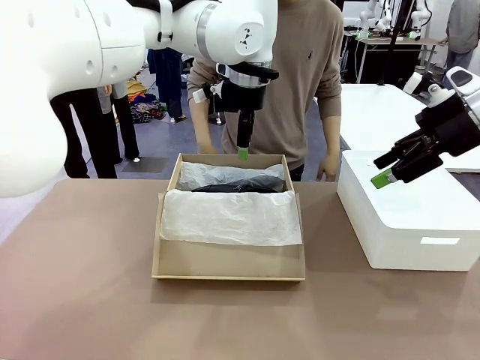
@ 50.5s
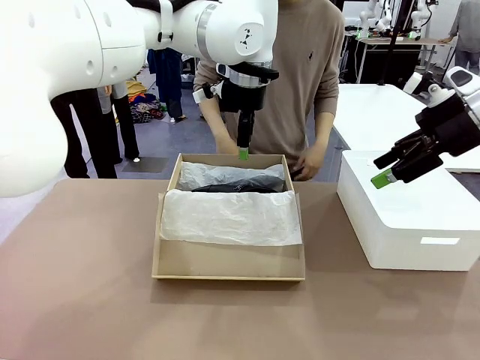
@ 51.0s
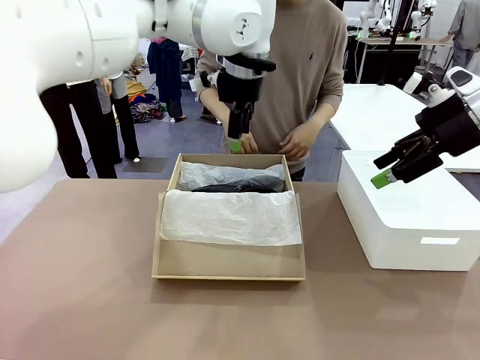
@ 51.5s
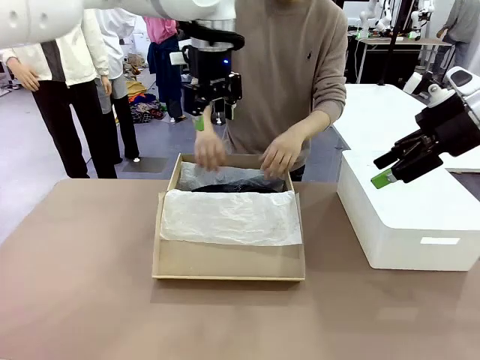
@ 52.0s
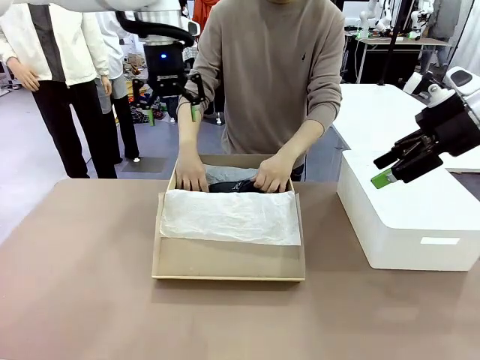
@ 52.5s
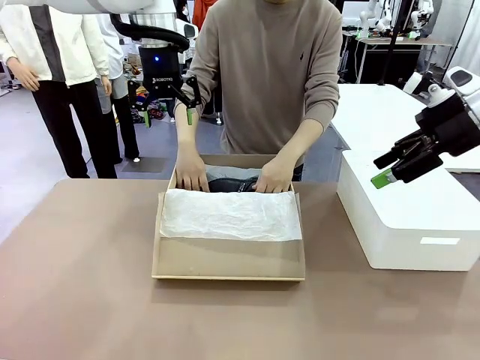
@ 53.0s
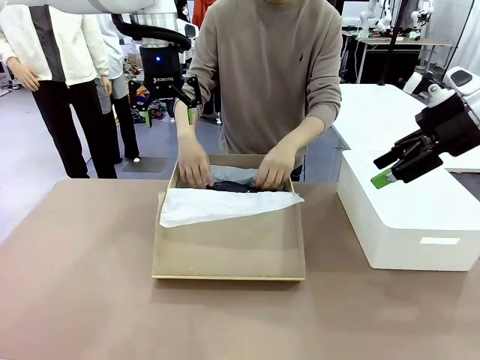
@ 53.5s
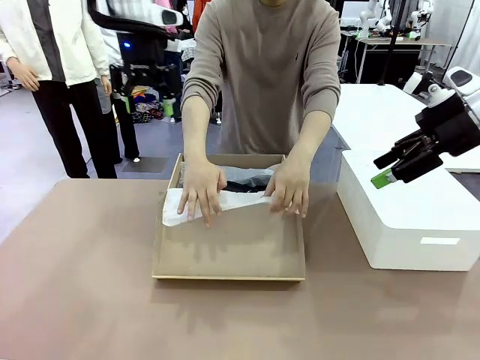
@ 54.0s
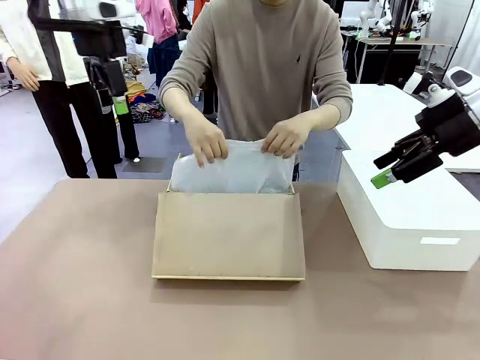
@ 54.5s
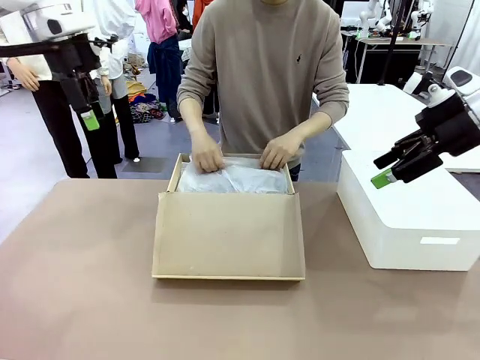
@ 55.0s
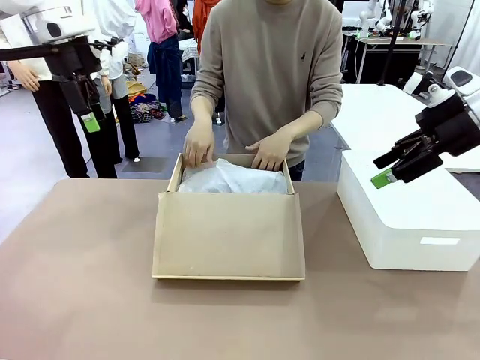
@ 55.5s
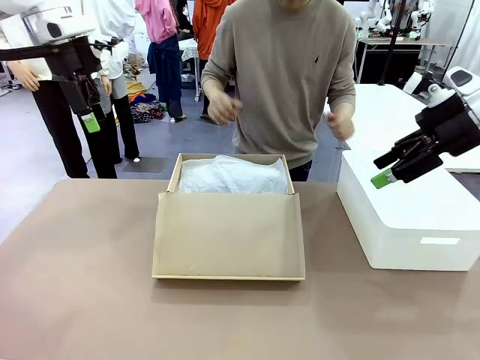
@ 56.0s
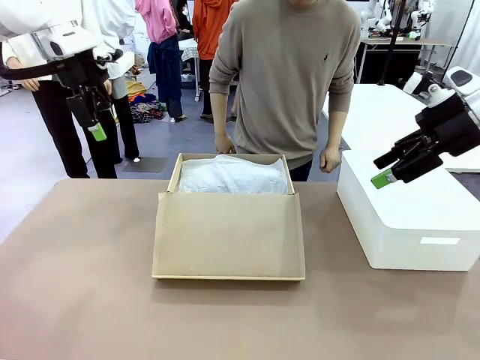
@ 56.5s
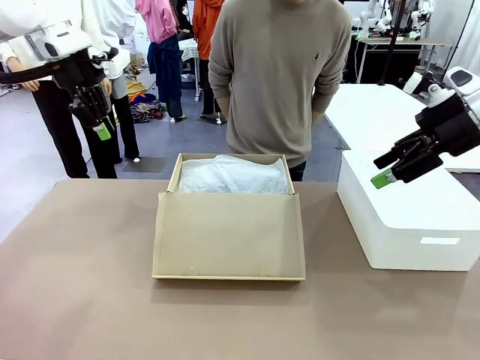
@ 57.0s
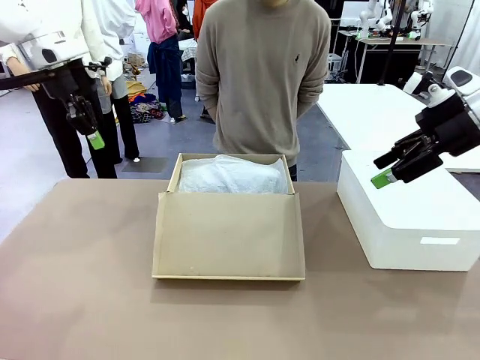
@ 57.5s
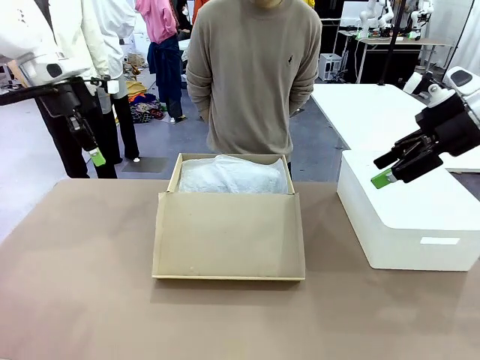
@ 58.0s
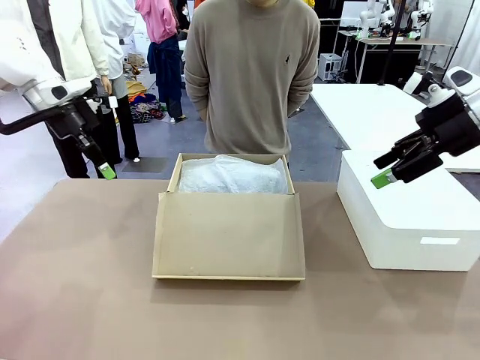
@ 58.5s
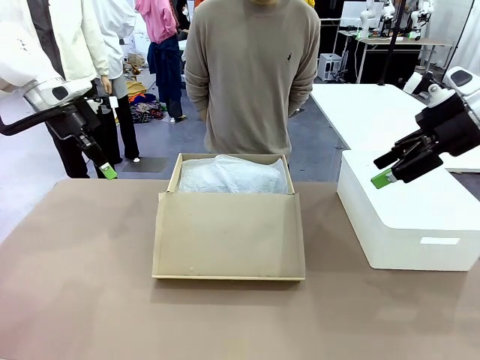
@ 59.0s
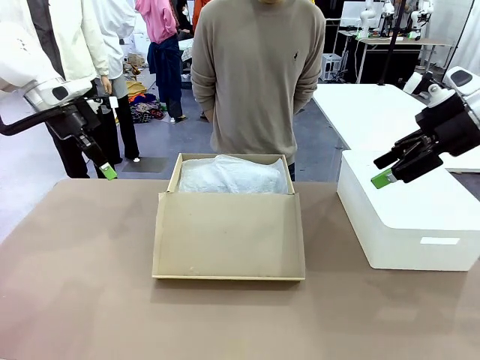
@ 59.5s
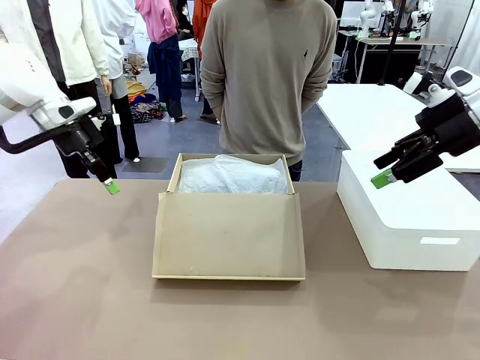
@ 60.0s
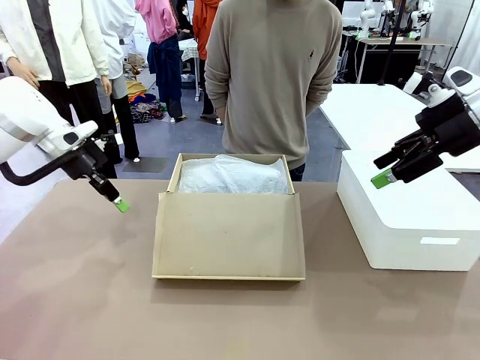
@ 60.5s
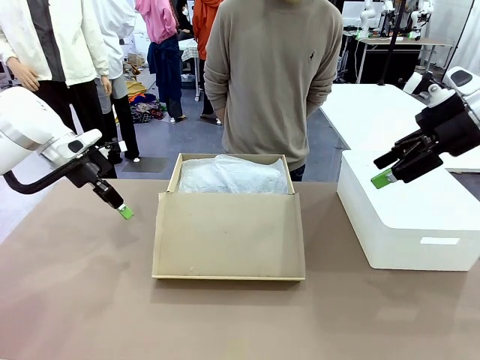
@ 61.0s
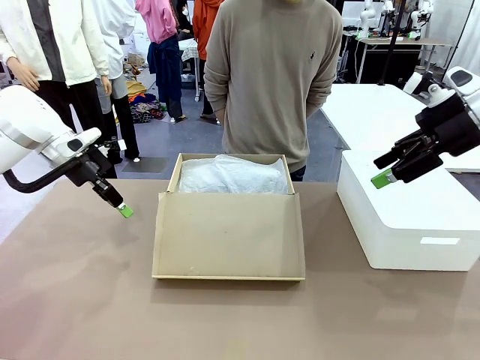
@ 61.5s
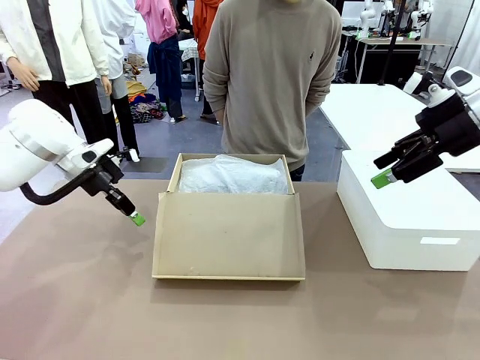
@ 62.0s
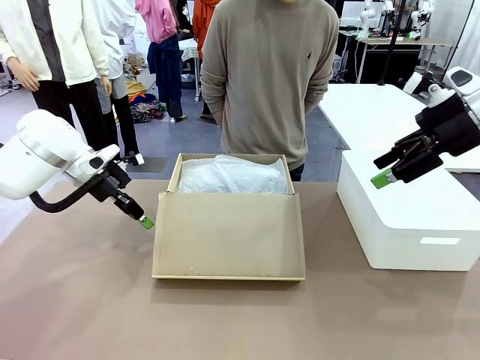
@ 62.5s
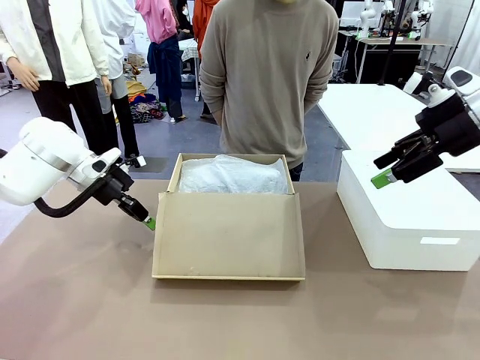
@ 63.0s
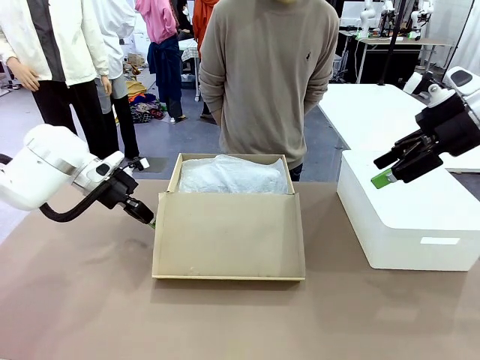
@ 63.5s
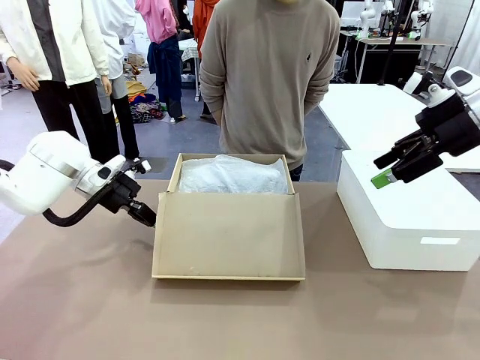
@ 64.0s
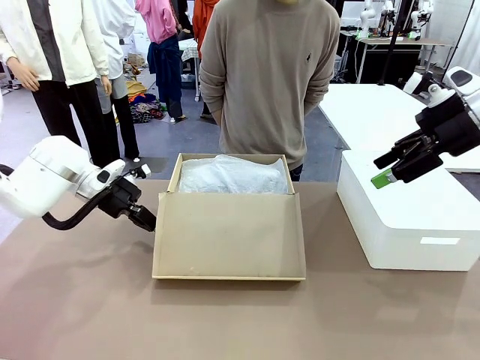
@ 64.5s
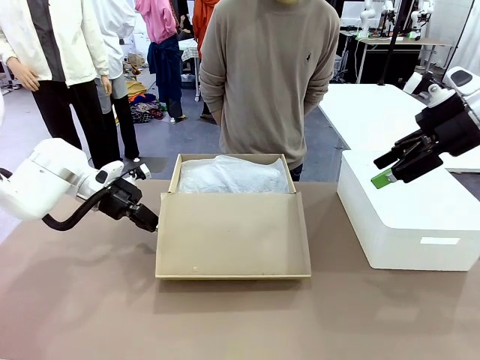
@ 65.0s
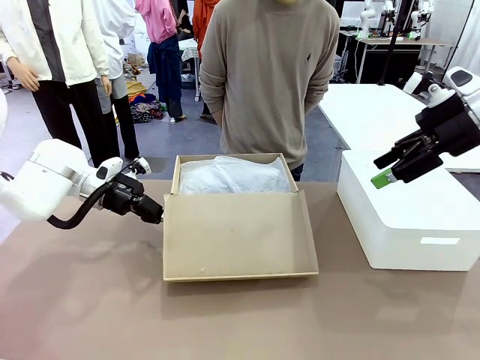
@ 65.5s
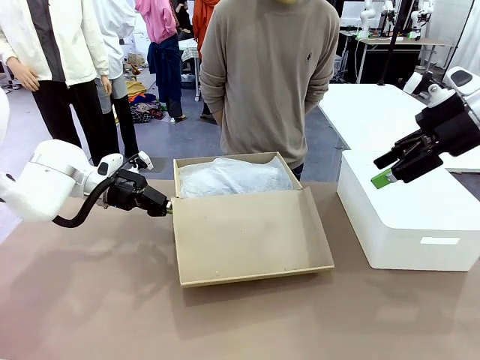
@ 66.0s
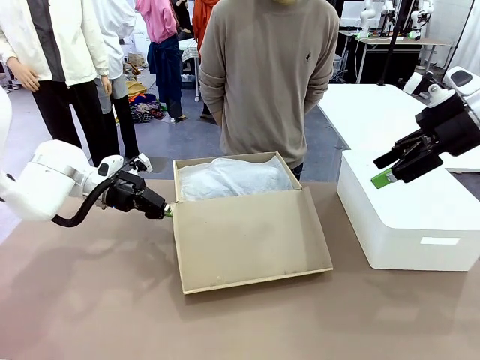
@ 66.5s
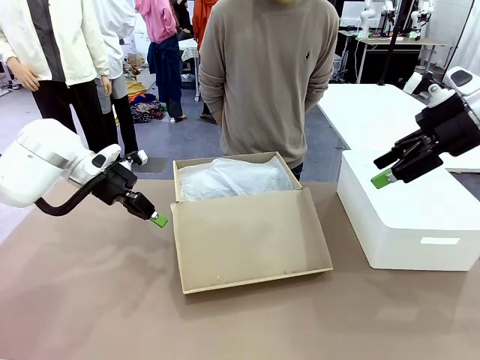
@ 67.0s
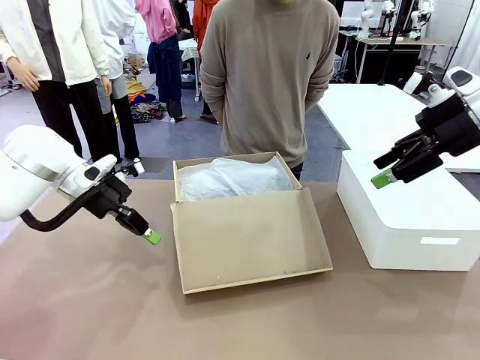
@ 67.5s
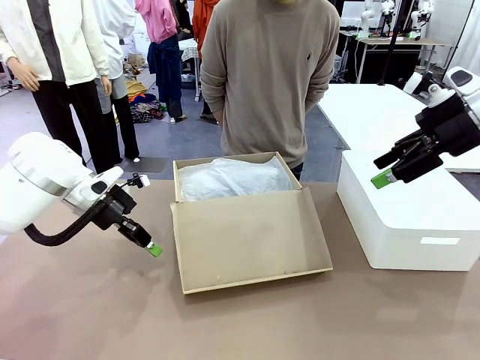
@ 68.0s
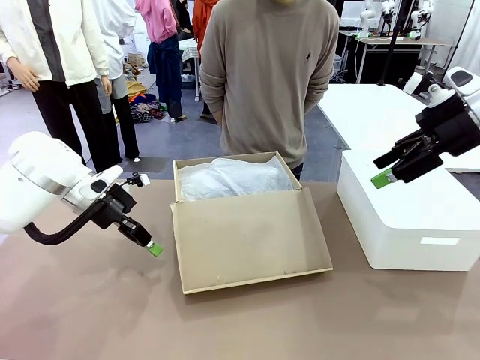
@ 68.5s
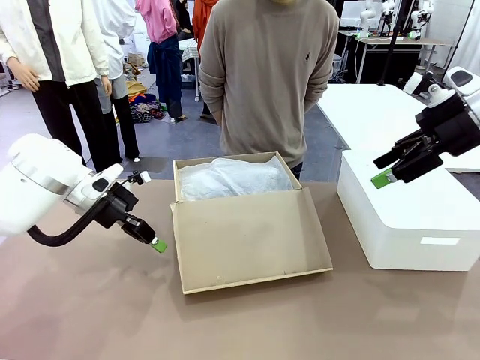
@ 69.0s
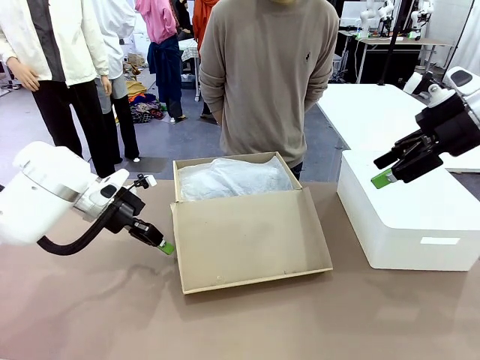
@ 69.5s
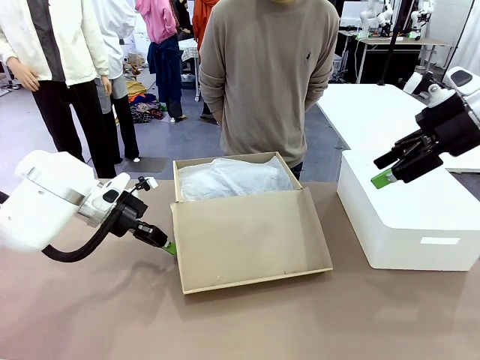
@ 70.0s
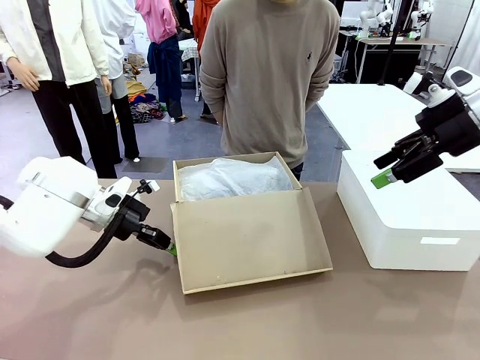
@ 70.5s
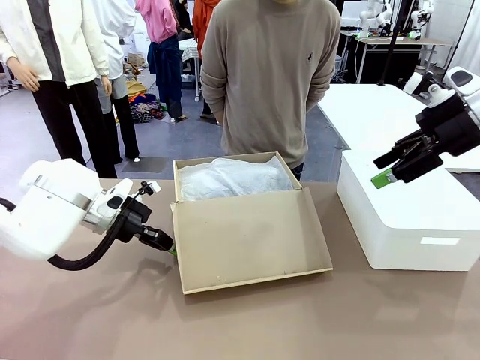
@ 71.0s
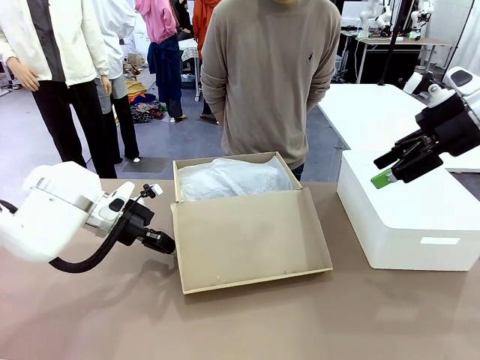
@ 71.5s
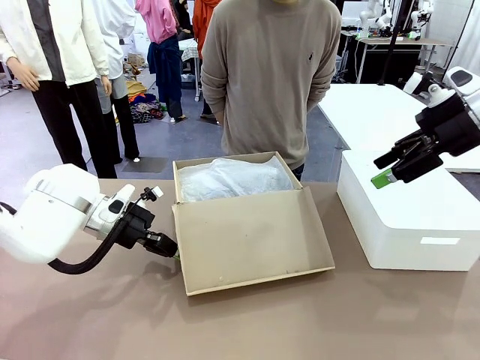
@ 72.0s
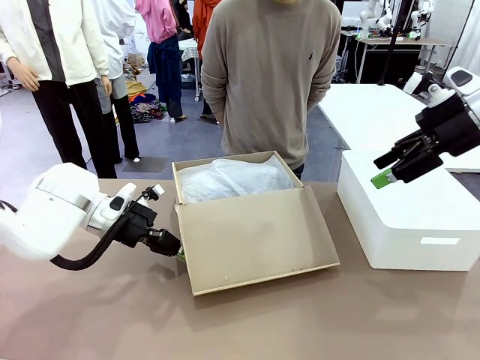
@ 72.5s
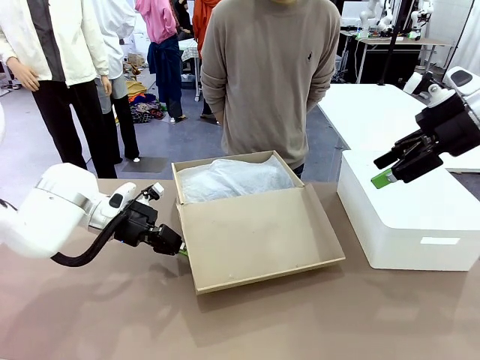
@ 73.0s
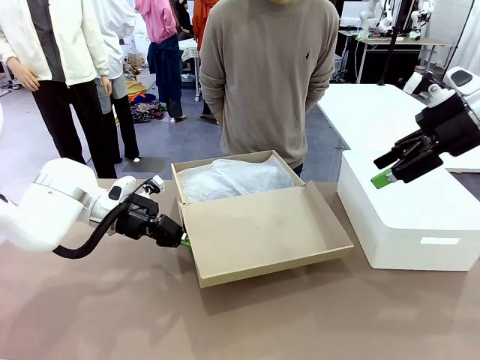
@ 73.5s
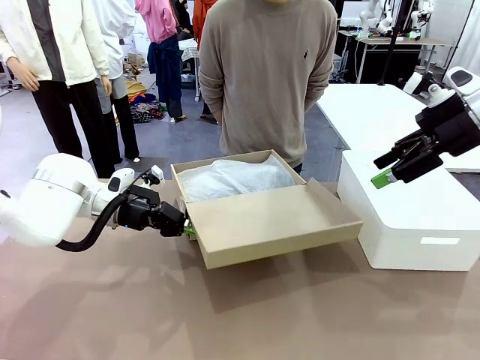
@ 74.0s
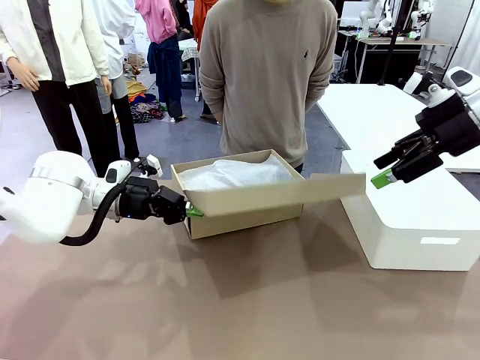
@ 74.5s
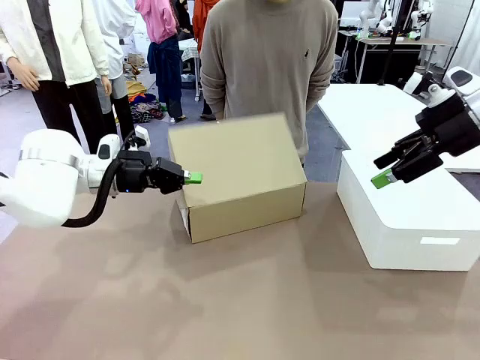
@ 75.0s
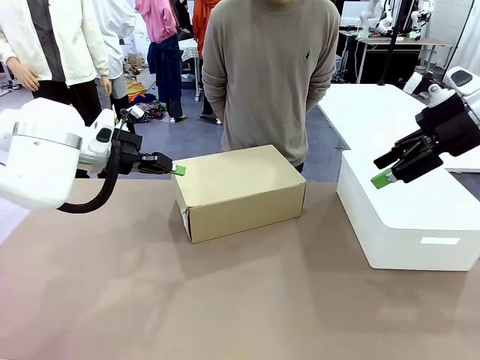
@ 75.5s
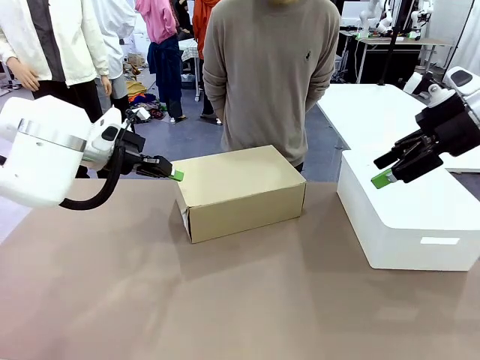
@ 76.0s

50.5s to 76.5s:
Task: Pack the shoes into the box.
Robot: Close the Shoes Box.
Person: Place the closed Shoes Box to the right side of the human table.

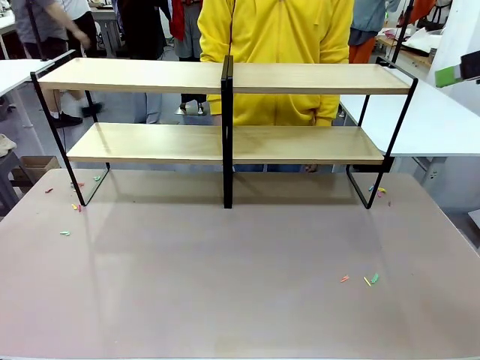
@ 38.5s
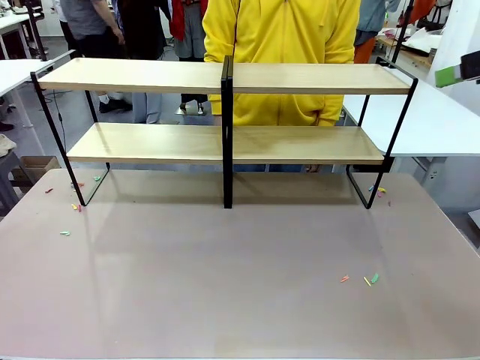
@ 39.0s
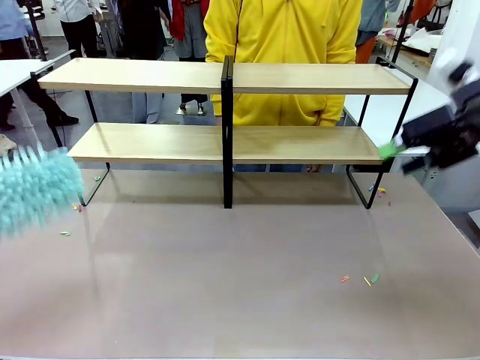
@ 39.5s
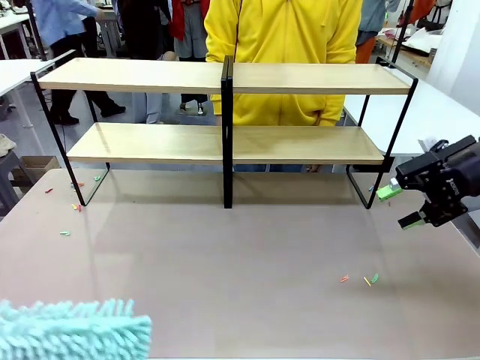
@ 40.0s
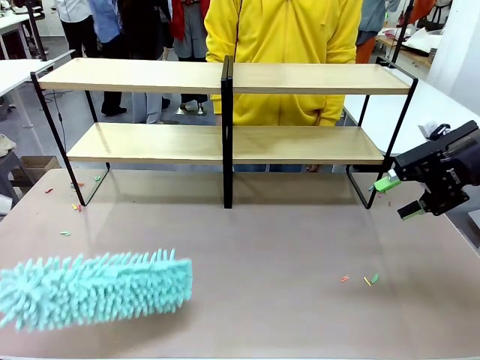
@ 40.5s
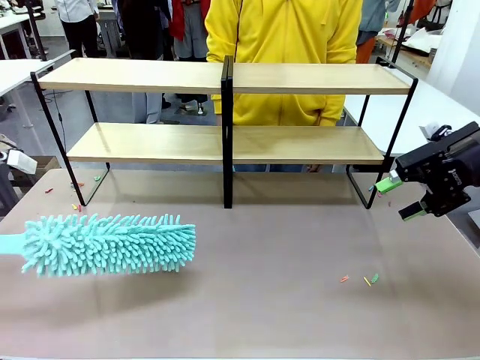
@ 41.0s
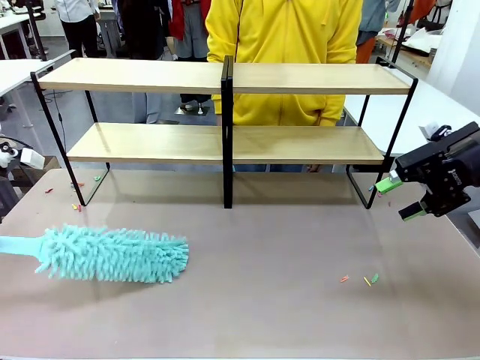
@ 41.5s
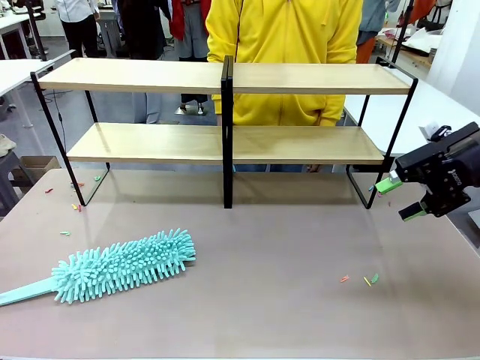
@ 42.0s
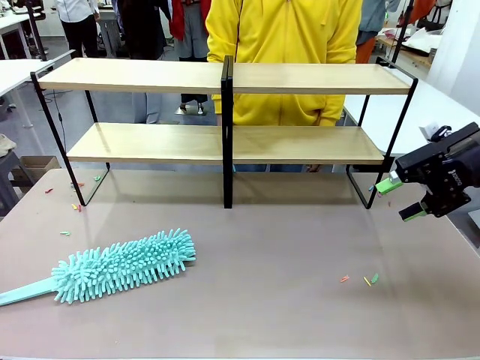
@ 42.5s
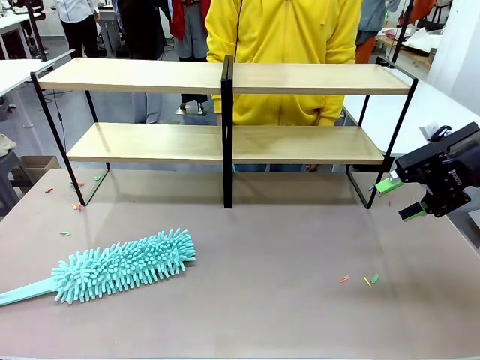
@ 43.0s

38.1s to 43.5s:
Task: Clean the shelves.
Robot: Place the Duster on the table.
